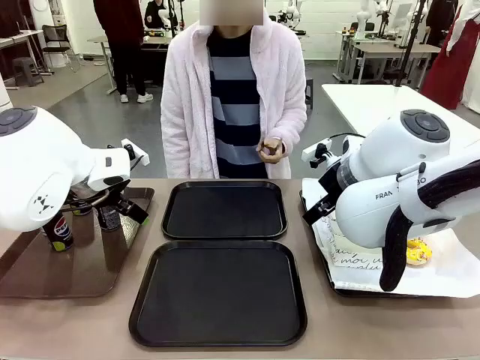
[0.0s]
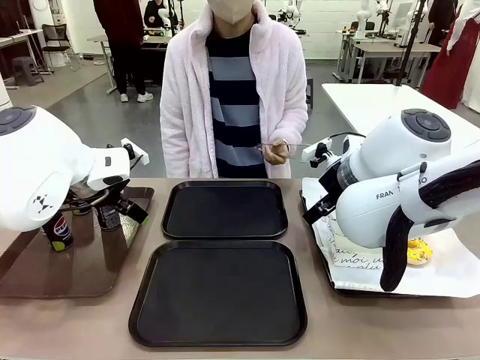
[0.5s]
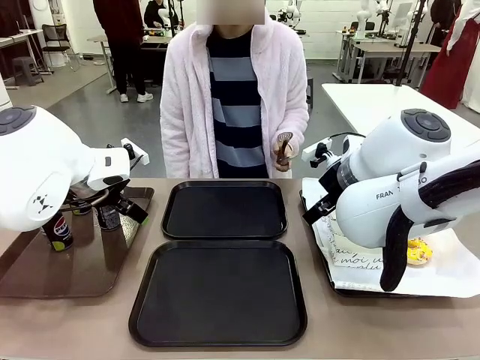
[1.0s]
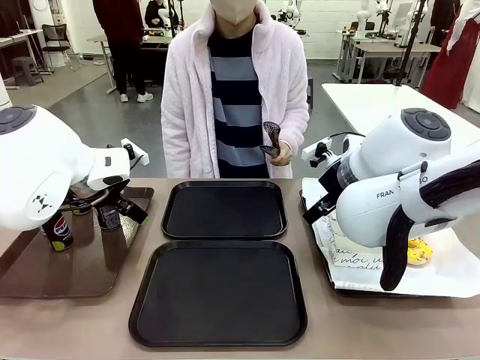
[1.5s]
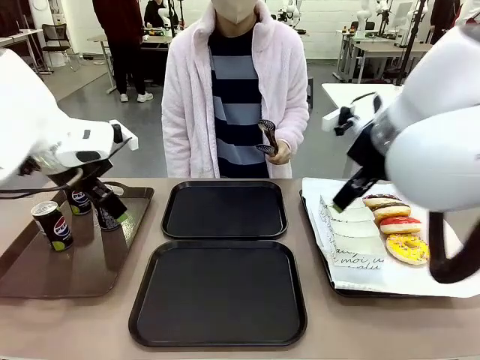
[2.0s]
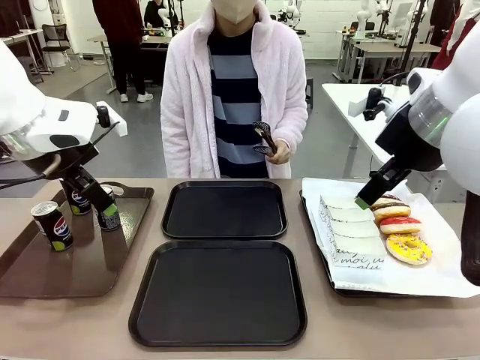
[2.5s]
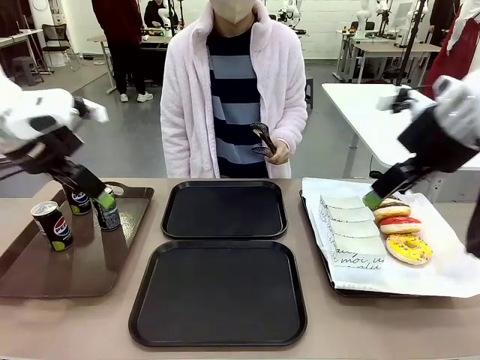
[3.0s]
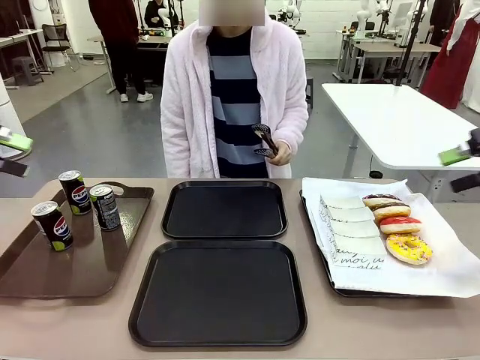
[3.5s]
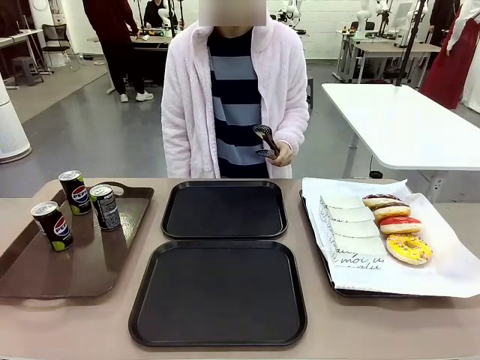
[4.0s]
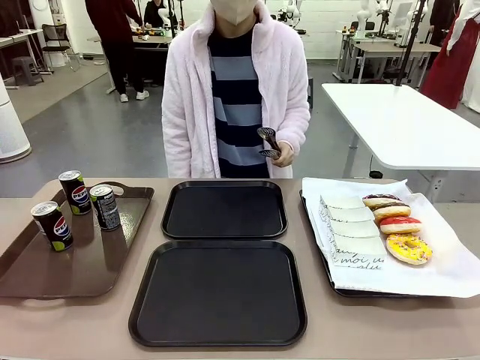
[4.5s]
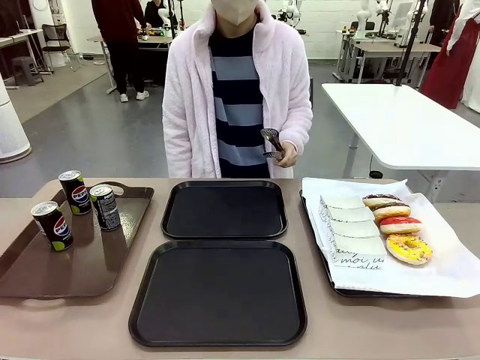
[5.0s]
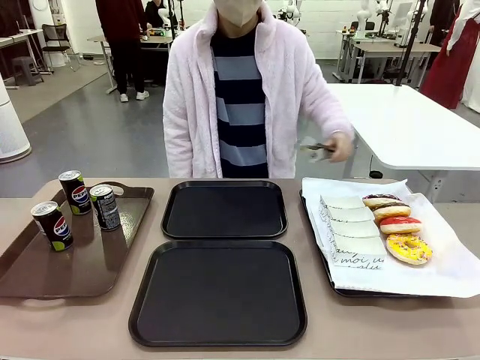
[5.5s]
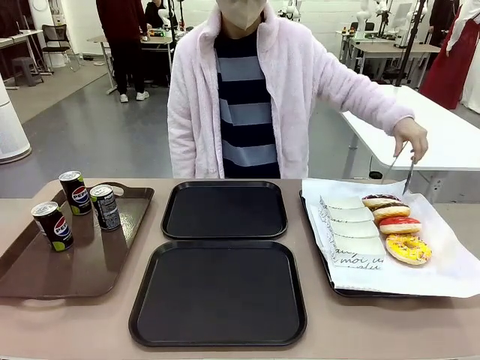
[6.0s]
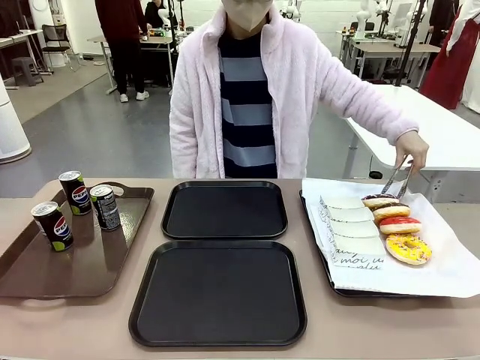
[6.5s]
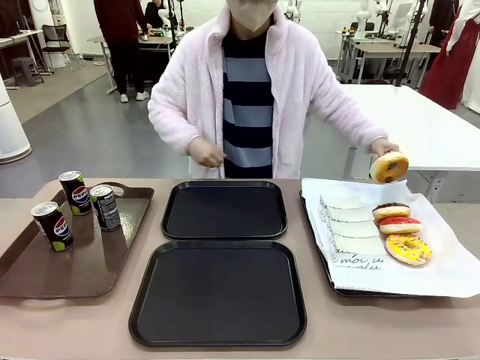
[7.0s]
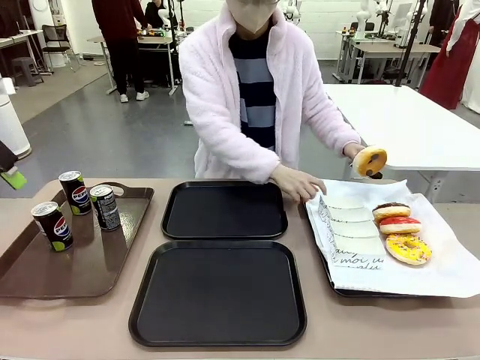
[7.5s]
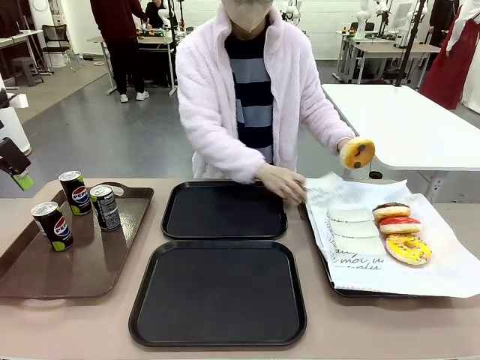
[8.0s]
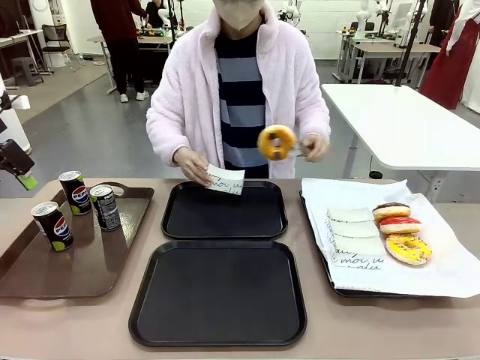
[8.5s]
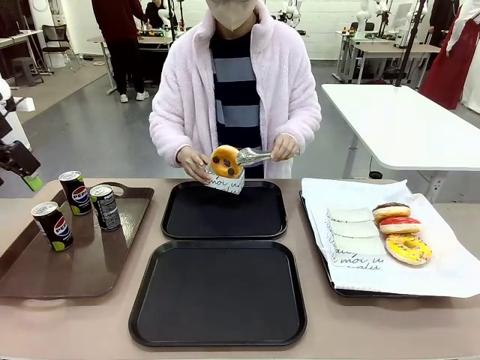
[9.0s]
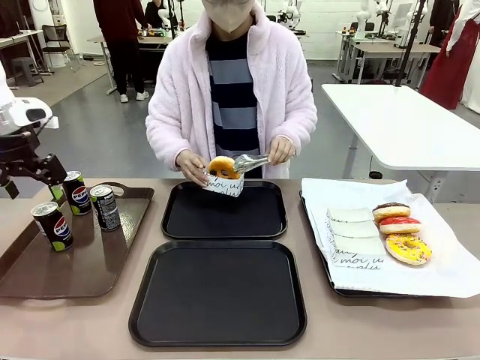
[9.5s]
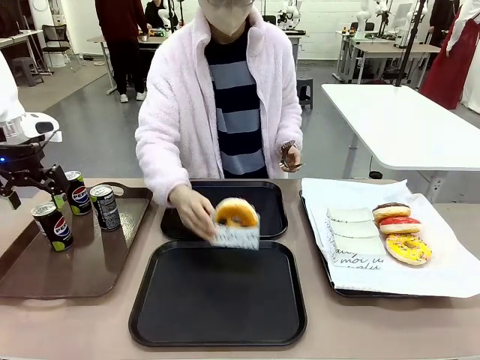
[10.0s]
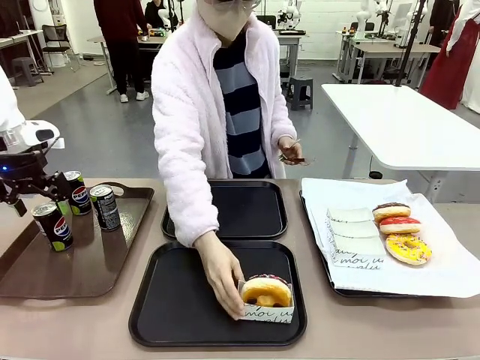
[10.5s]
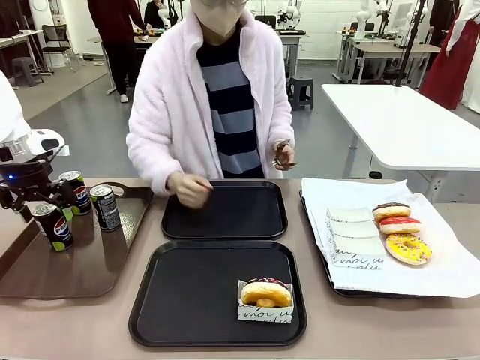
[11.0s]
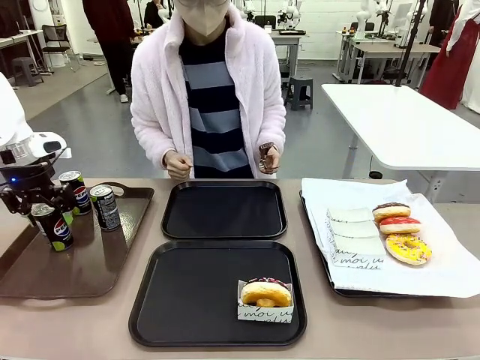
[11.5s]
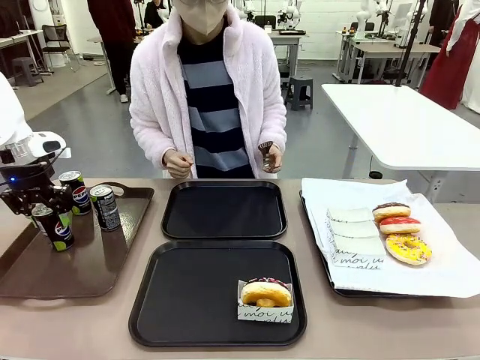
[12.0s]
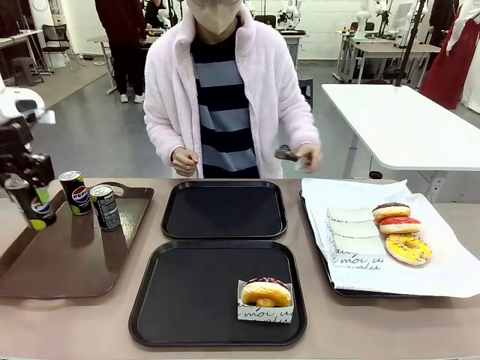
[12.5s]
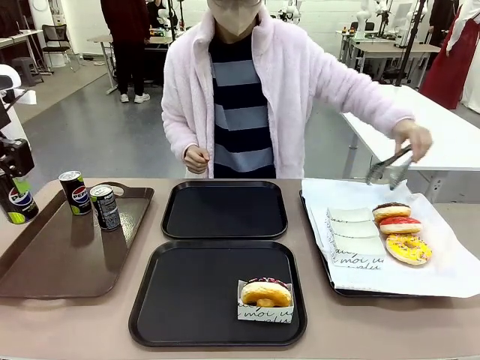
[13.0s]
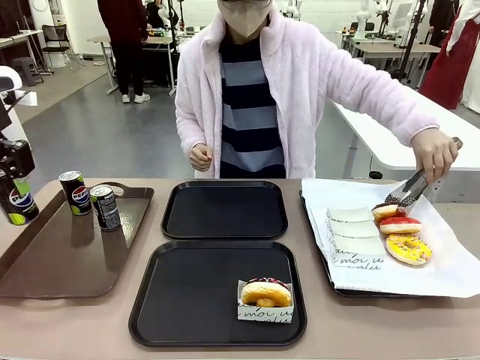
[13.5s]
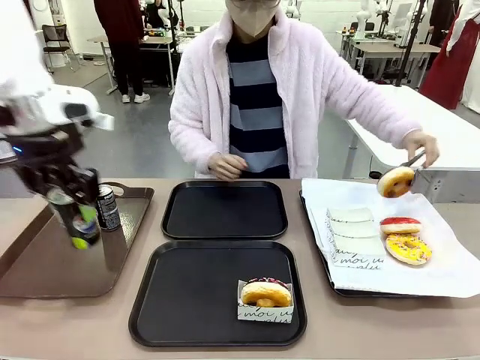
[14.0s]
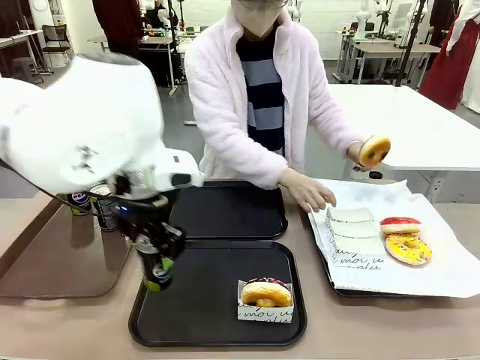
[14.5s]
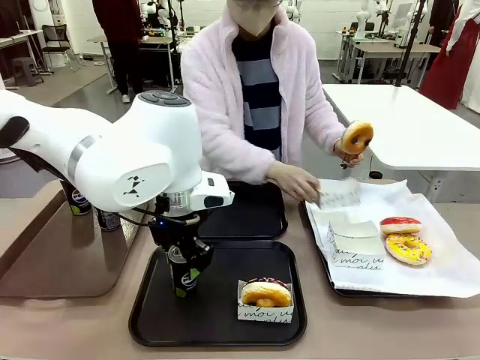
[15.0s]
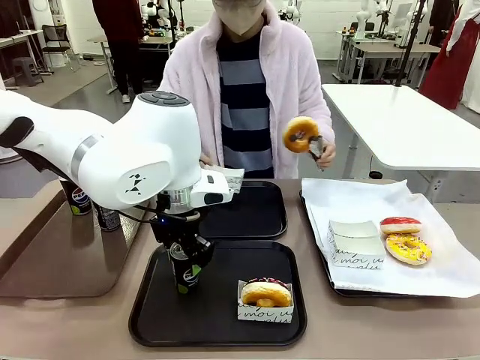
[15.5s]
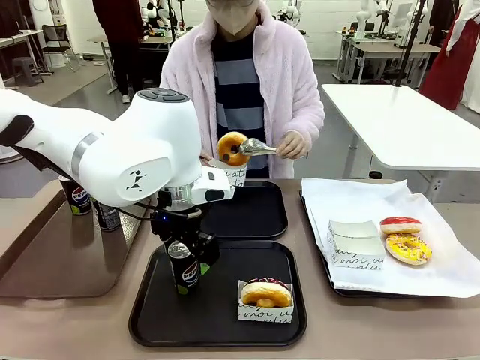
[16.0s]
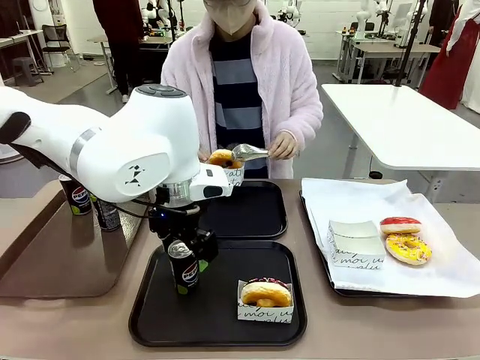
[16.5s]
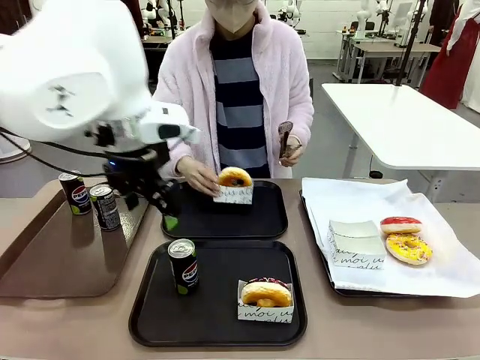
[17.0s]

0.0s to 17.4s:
Task: Set up donuts and drinks on trays.
Robot: Pick up one Pepsi coke and place it on the Flat Tray.
